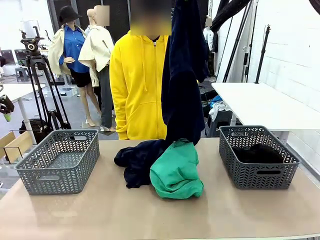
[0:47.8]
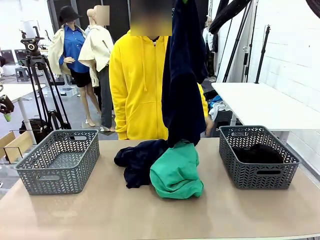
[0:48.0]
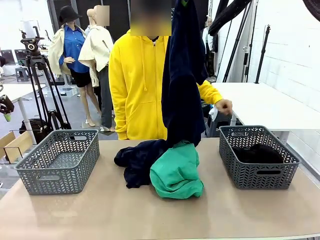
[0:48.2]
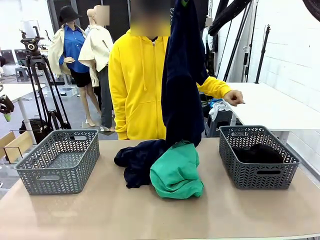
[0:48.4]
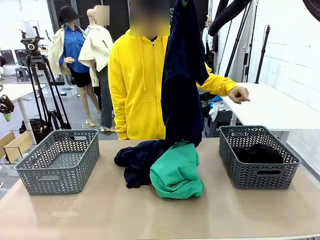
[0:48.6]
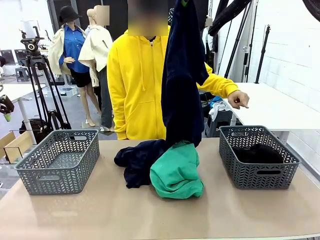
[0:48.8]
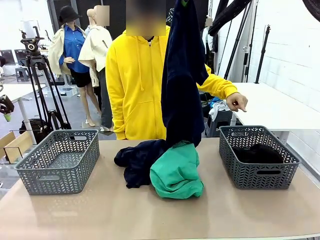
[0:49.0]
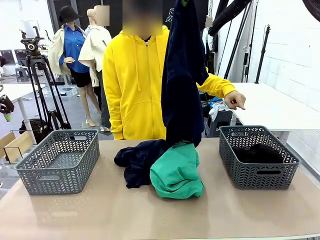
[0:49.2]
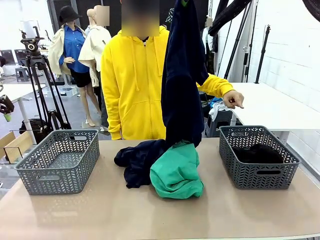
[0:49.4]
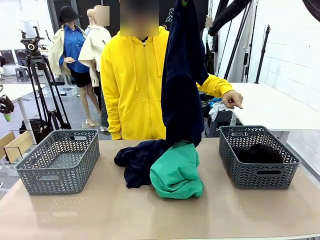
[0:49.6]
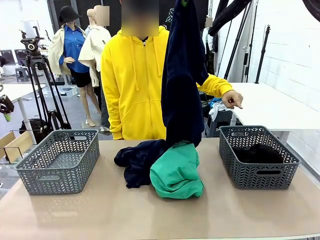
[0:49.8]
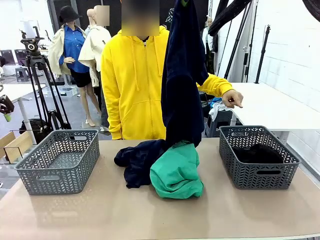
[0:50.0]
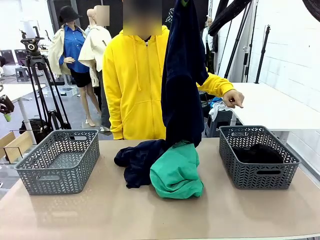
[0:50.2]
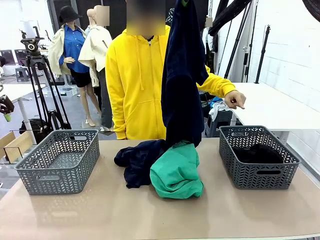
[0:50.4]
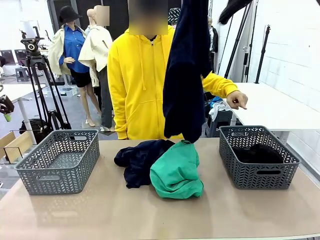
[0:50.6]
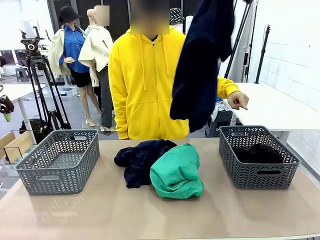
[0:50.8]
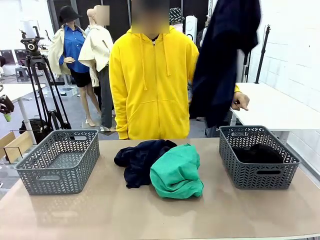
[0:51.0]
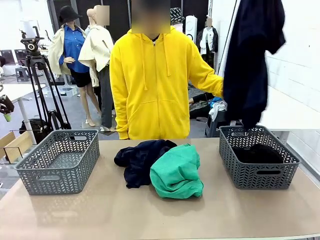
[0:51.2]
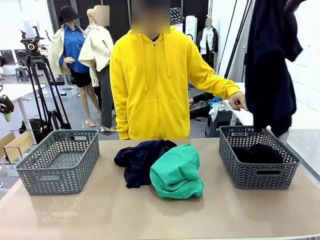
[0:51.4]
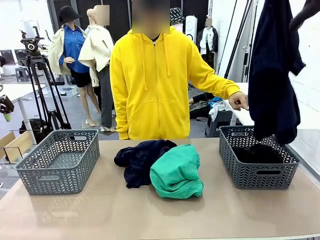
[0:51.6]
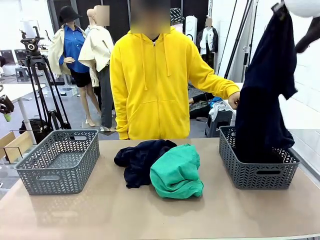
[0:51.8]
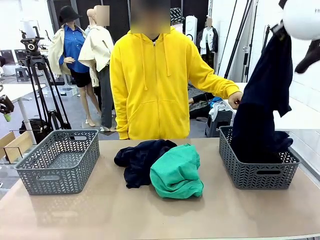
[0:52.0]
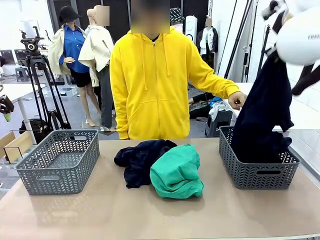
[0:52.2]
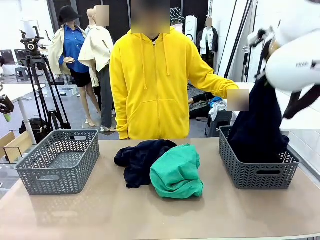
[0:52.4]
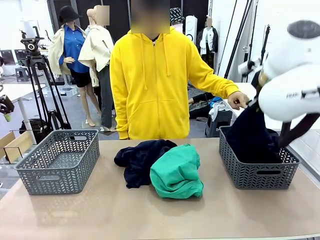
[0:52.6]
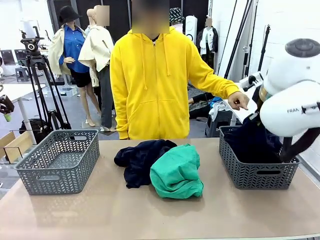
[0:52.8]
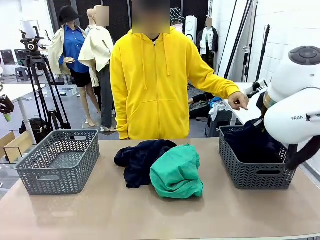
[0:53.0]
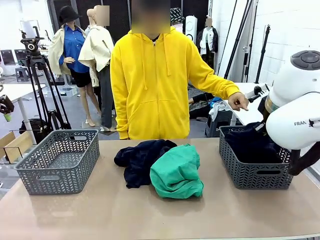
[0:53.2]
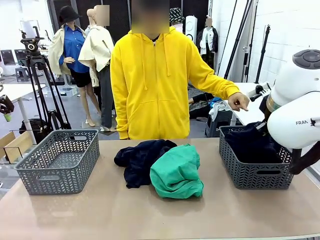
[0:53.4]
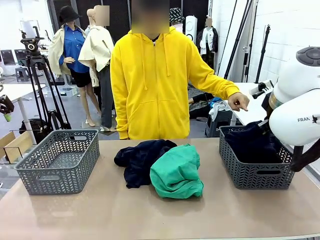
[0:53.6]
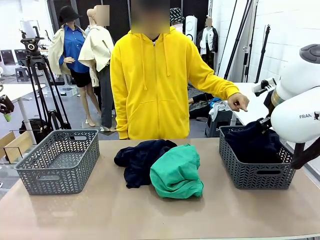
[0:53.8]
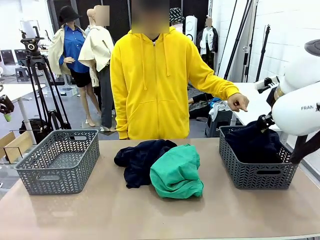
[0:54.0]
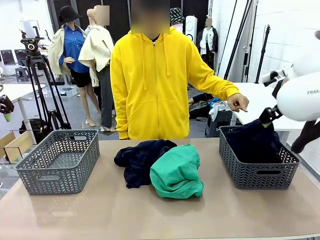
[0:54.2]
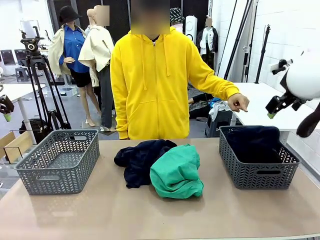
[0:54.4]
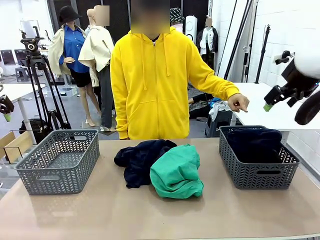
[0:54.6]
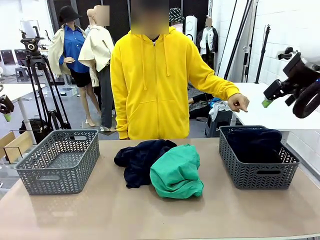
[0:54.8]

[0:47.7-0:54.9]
Task: Sort the tops and bottoms.
Robot: Sort the clothes according to human instructions.

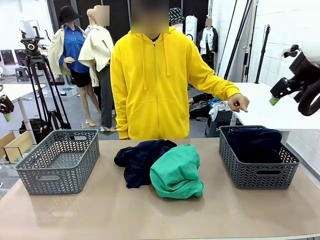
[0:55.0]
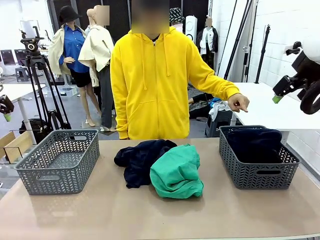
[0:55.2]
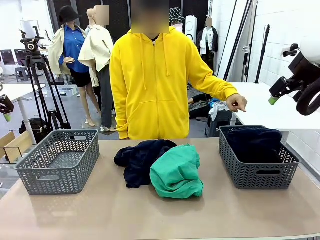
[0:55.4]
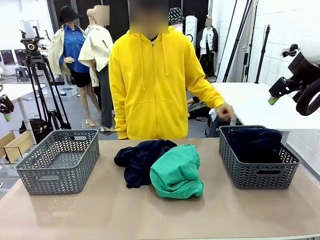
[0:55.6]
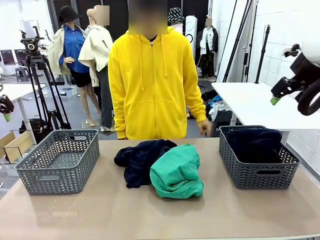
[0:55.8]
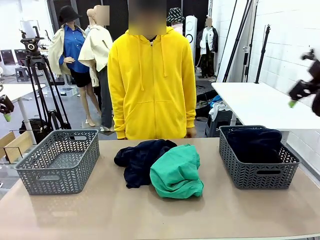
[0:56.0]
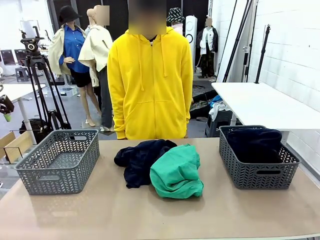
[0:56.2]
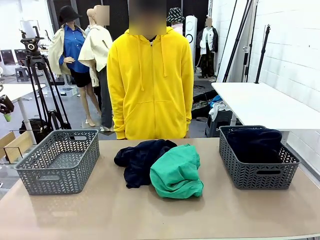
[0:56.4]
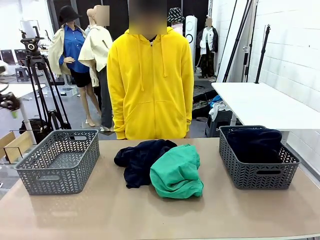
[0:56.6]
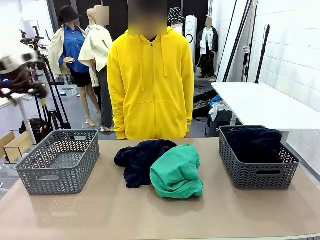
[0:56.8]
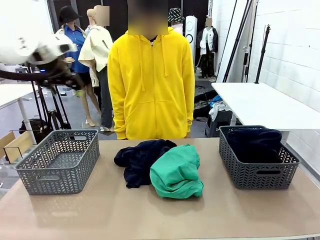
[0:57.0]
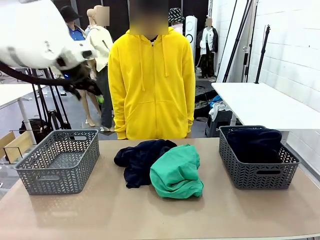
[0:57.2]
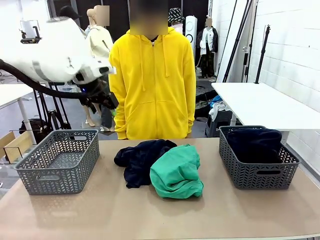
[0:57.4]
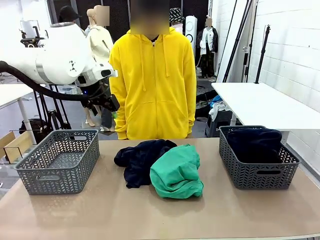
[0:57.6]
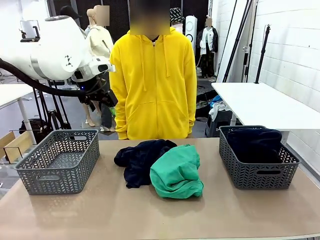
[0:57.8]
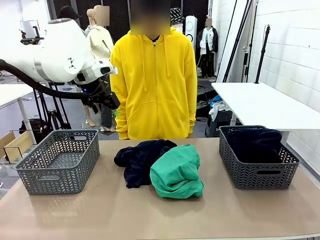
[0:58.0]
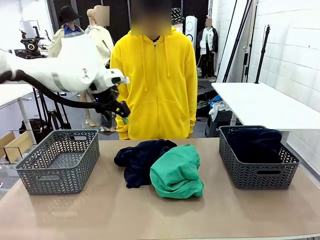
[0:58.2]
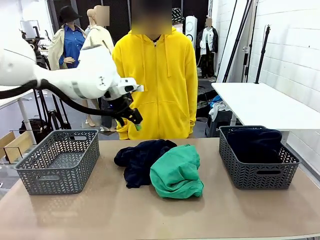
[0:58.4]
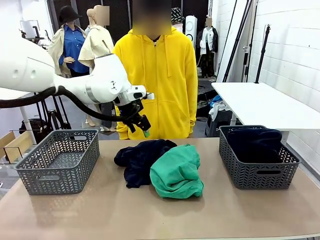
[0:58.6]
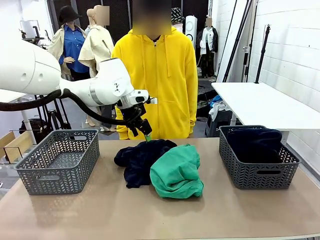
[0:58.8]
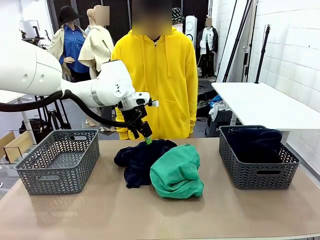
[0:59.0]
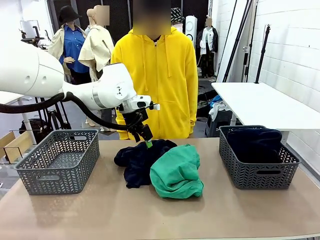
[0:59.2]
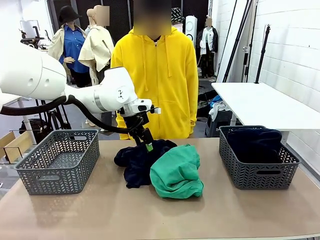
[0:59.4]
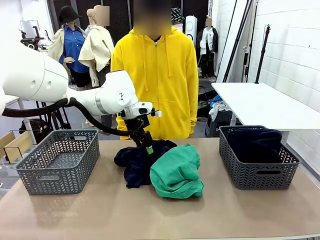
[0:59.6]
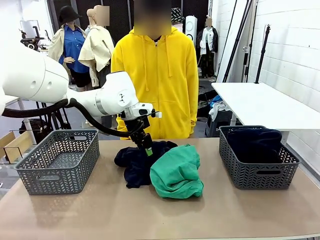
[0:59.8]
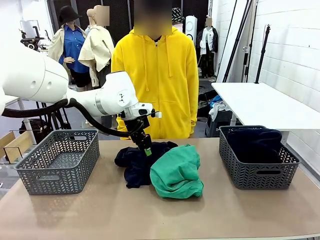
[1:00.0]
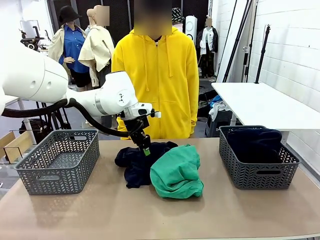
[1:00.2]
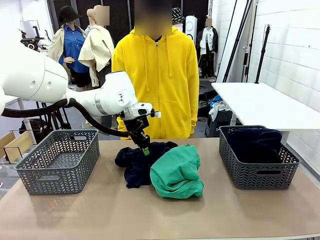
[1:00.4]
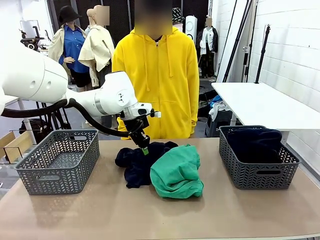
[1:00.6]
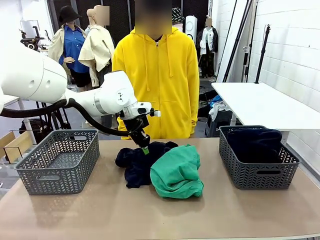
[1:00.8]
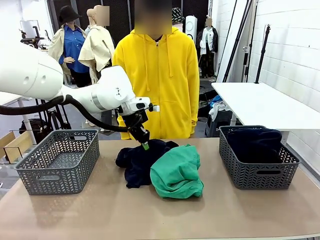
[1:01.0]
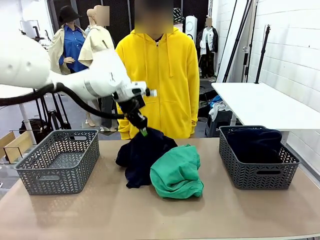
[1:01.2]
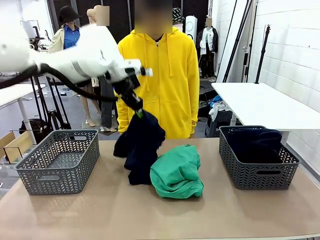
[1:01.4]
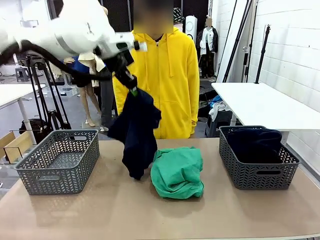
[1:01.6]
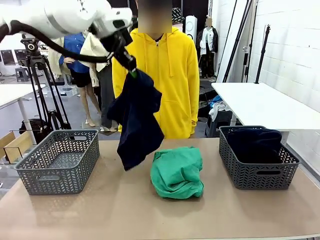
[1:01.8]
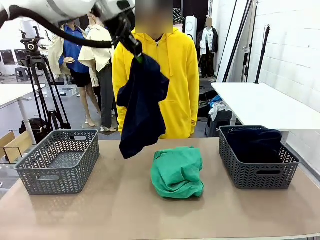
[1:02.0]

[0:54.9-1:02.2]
Robot: Lift clothes from the center of the table with your left hand.
